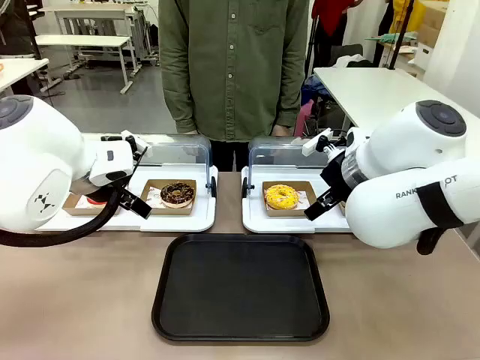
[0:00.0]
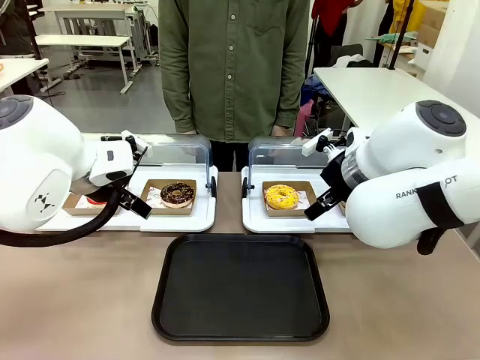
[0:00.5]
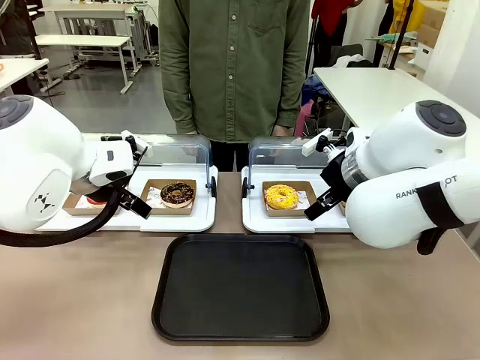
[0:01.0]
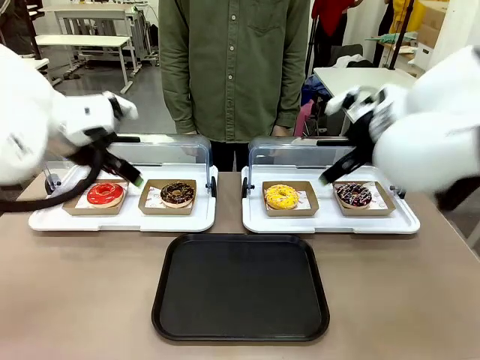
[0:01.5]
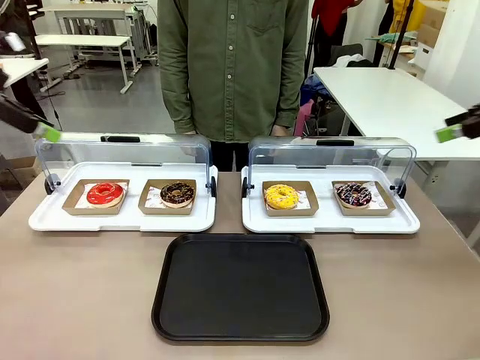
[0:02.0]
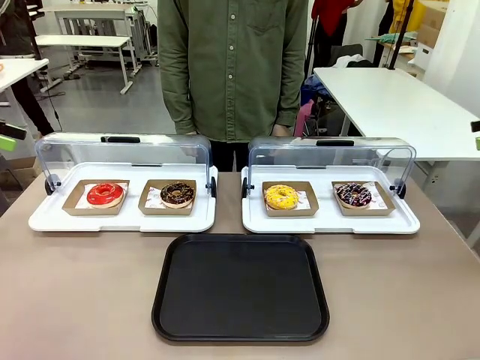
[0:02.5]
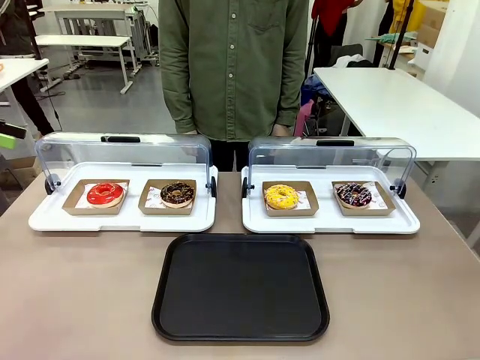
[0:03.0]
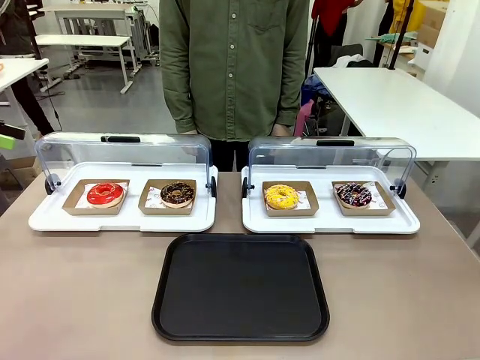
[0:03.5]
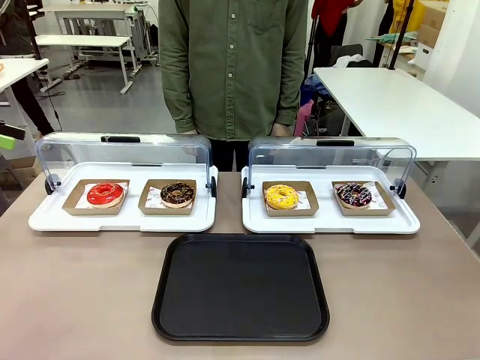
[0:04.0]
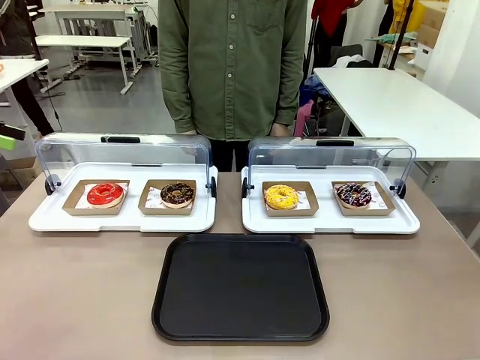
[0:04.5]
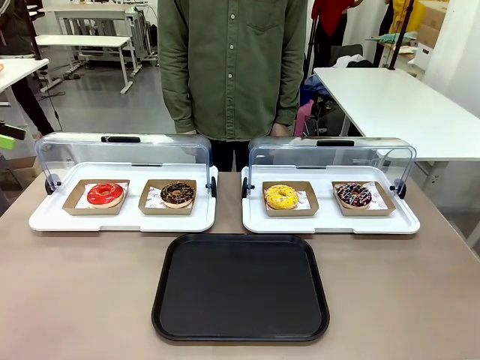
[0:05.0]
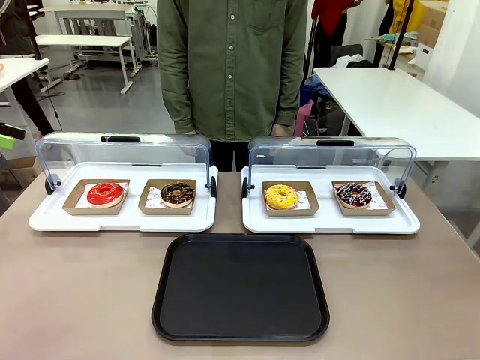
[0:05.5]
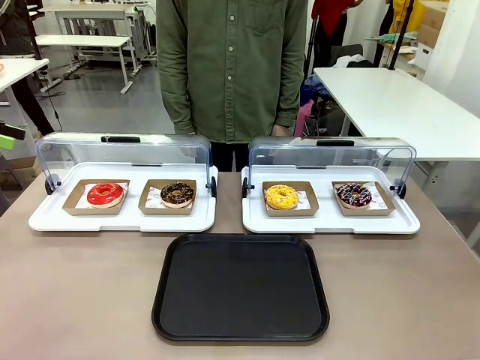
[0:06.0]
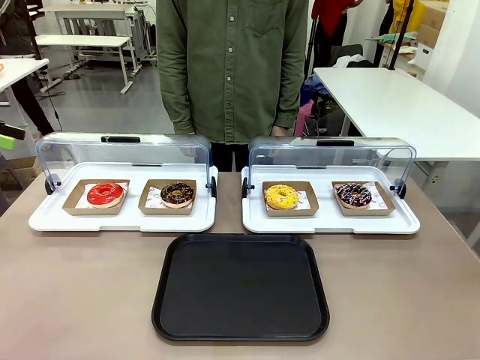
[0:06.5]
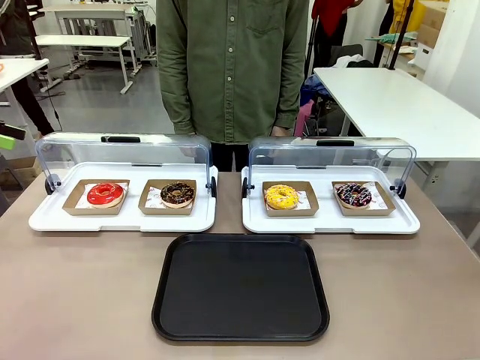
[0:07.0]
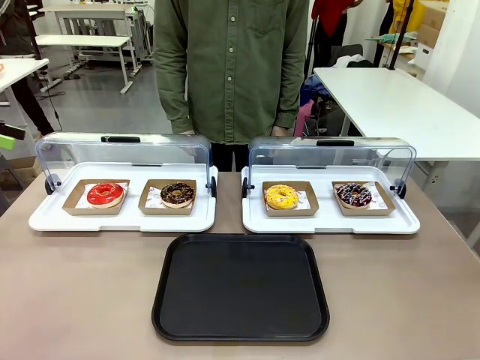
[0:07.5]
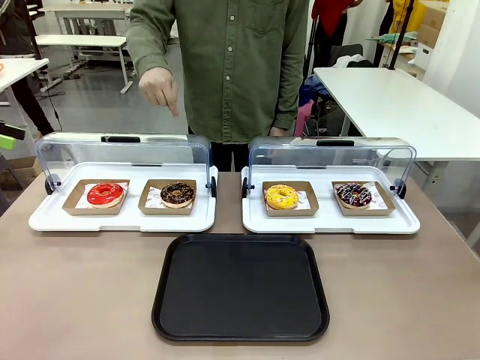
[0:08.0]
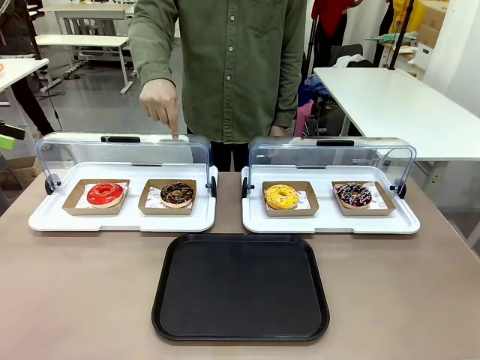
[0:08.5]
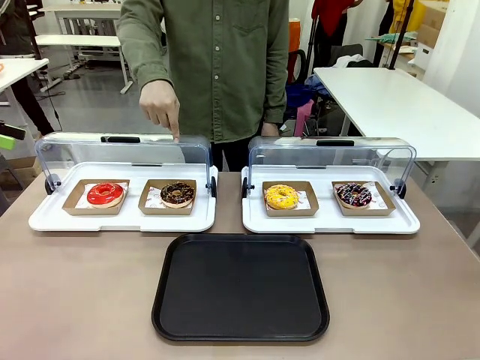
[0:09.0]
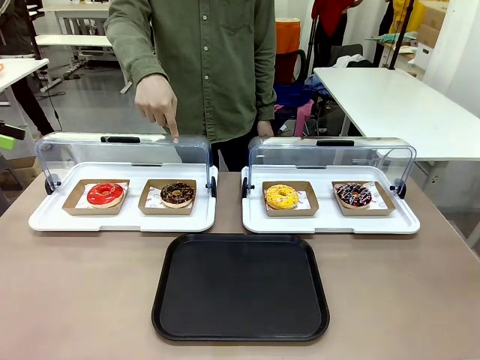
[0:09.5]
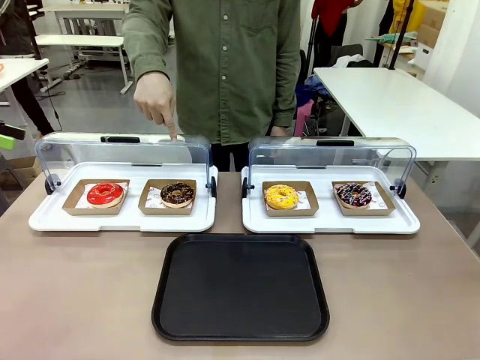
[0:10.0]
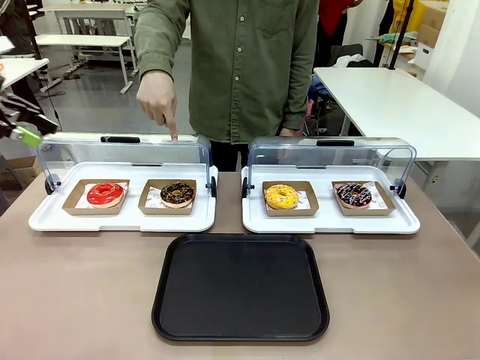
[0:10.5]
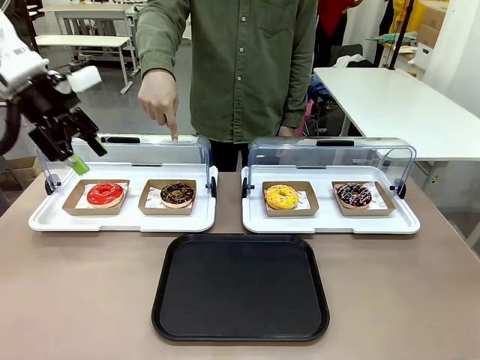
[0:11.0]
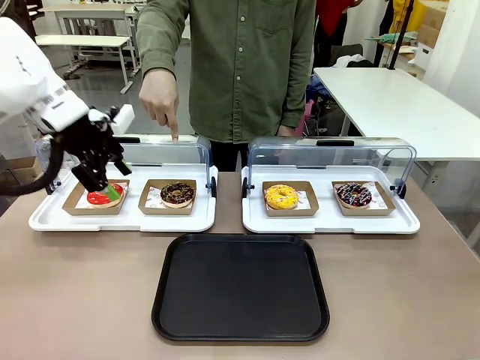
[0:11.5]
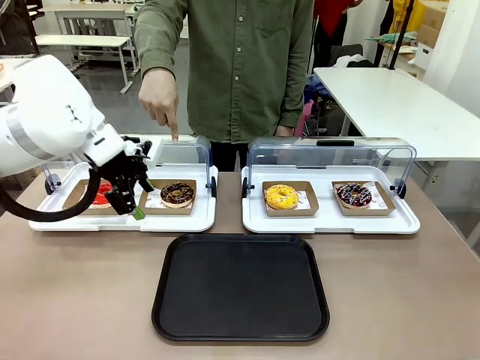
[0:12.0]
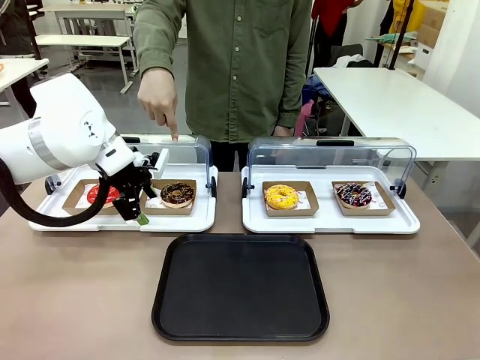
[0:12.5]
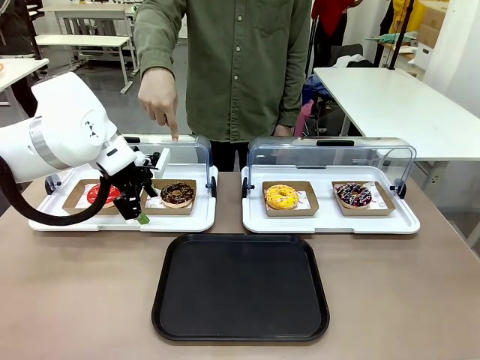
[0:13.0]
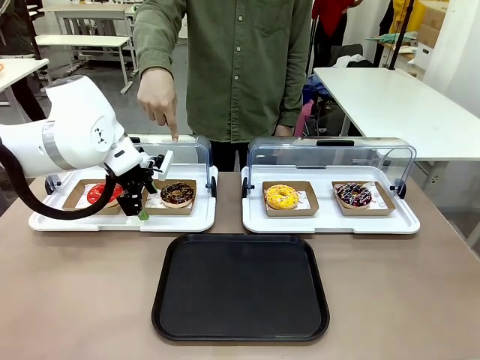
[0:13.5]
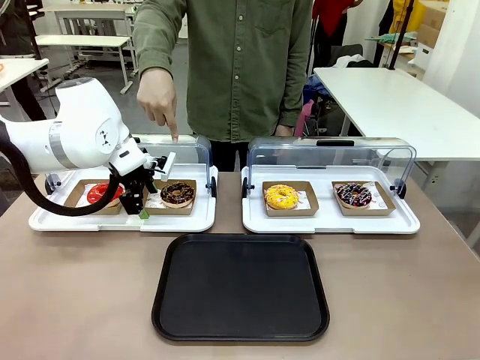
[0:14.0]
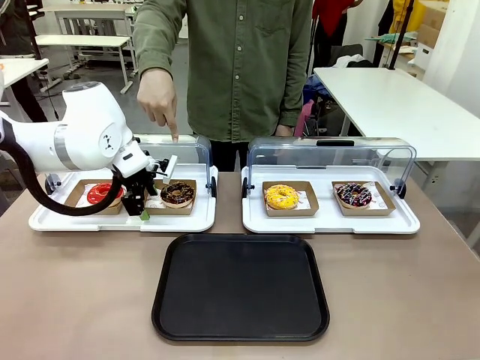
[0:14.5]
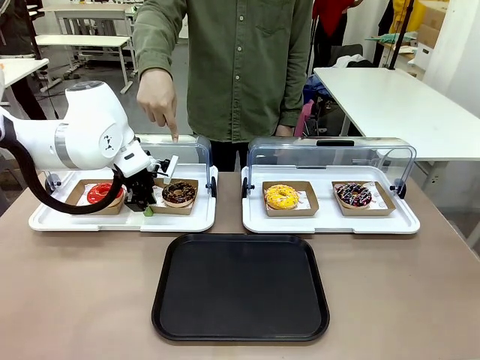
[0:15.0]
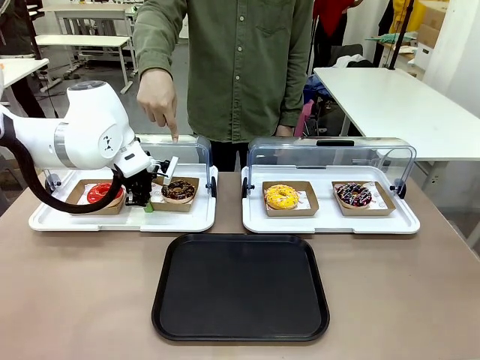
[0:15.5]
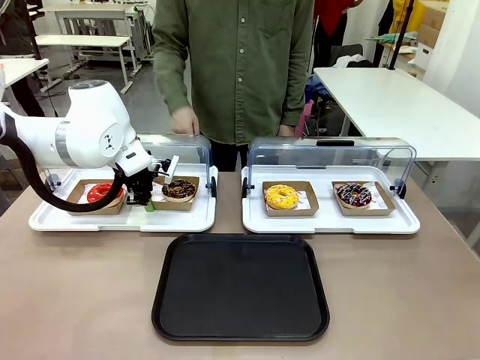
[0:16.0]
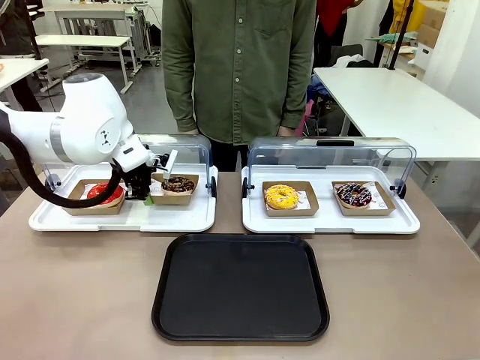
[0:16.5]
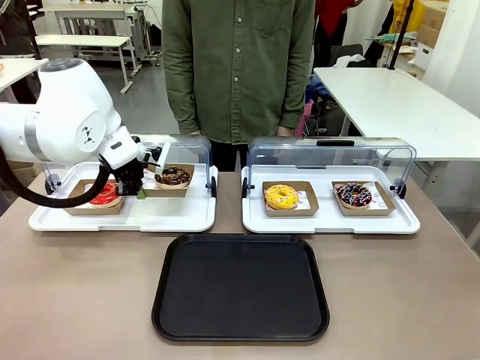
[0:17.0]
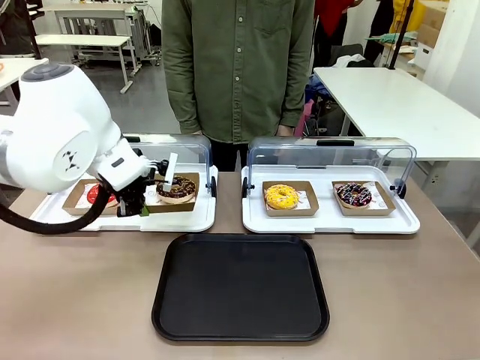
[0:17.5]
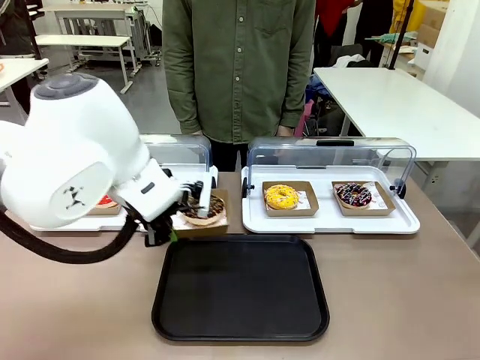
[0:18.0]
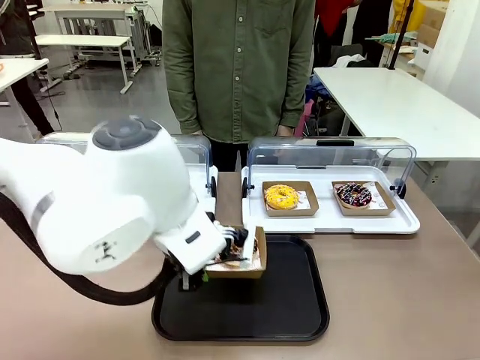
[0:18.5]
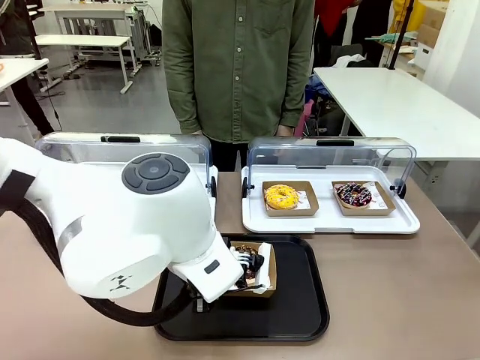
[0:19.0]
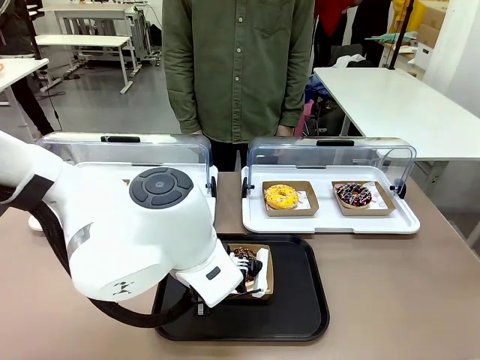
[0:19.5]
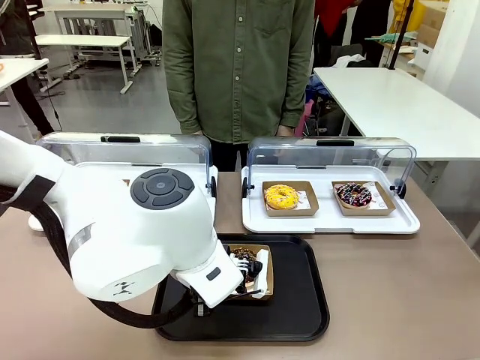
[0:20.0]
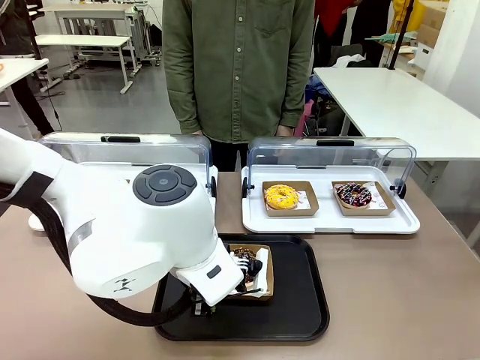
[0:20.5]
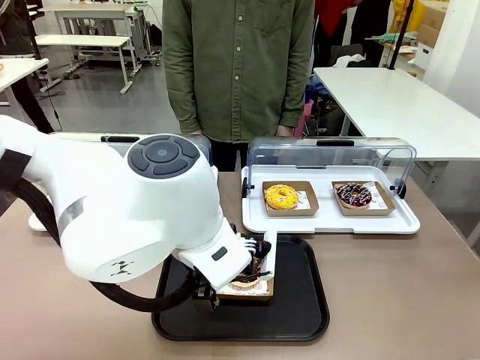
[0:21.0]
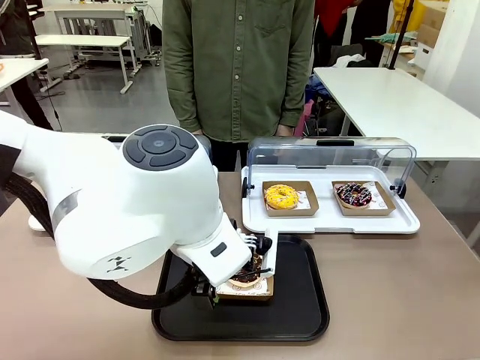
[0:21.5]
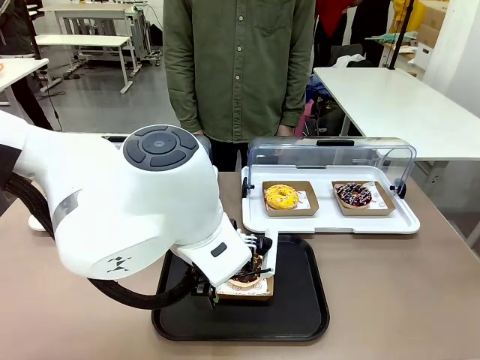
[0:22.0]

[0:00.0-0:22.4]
Task: Move the second donut from the left to the tray.
Robot: Pick up the Paper togo box containing the Donut indicated by the person and place it on the Handle tray.
Person: Points to the second donut from the left from the robot’s perspective.
